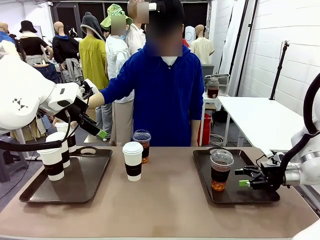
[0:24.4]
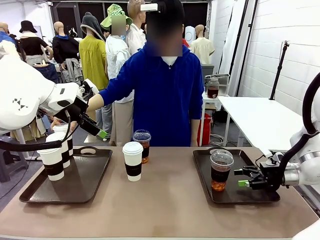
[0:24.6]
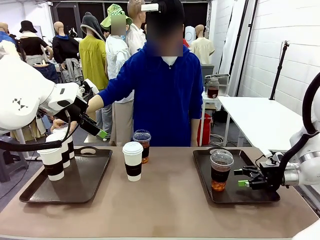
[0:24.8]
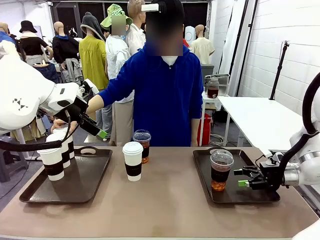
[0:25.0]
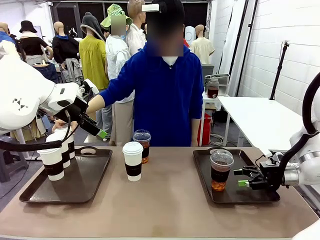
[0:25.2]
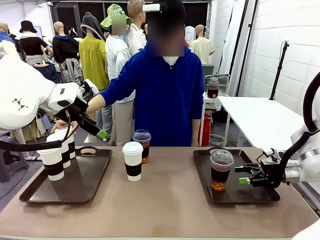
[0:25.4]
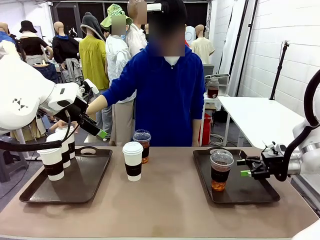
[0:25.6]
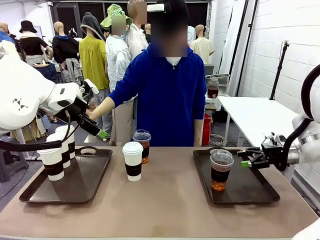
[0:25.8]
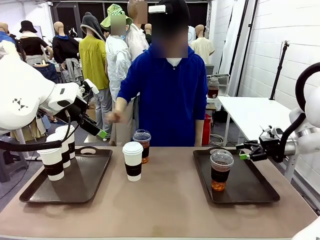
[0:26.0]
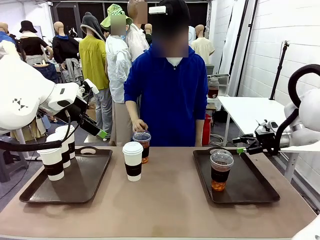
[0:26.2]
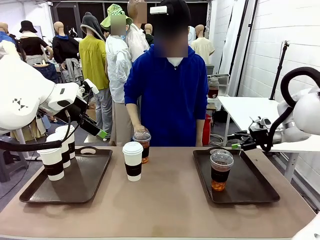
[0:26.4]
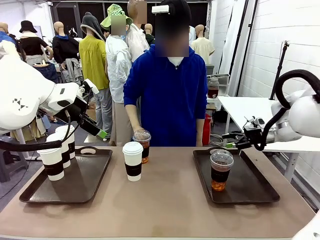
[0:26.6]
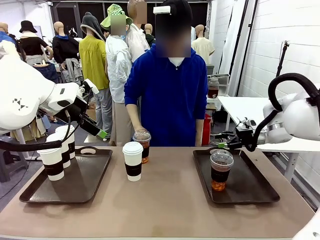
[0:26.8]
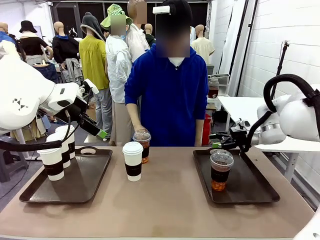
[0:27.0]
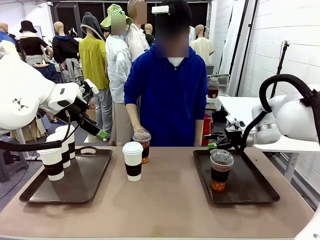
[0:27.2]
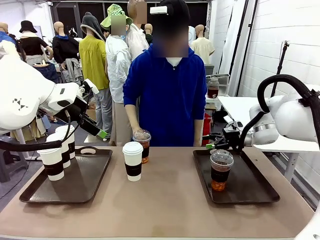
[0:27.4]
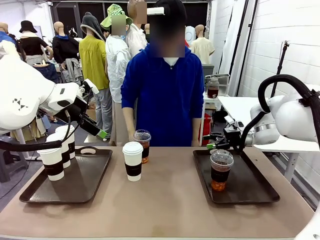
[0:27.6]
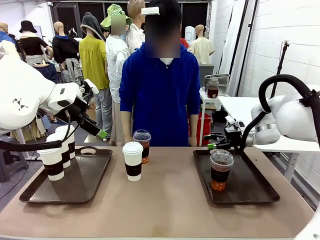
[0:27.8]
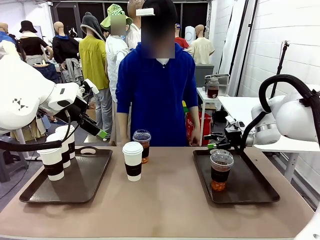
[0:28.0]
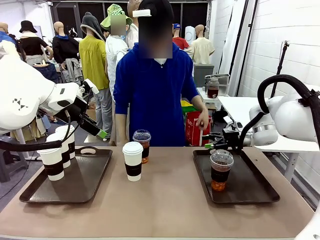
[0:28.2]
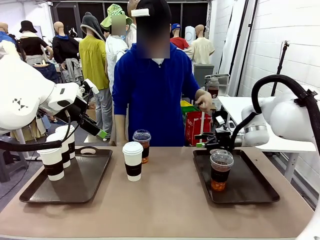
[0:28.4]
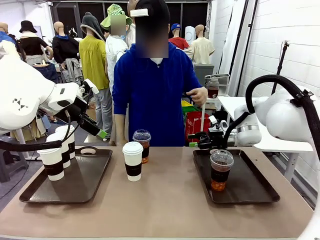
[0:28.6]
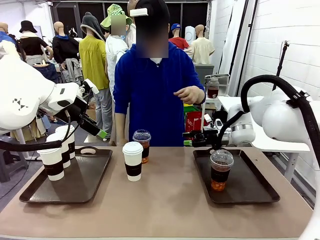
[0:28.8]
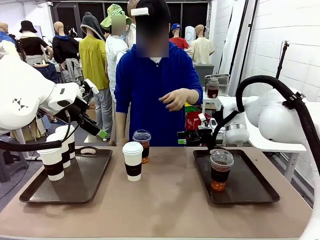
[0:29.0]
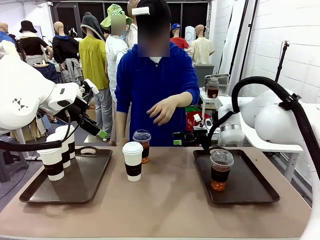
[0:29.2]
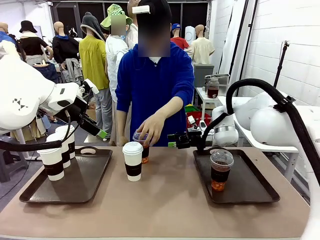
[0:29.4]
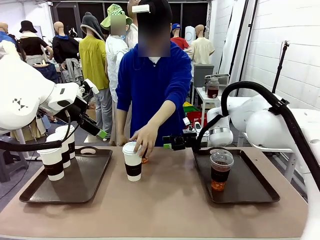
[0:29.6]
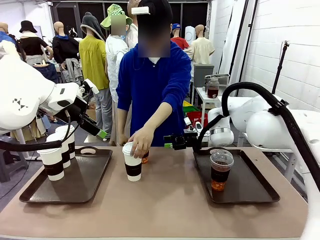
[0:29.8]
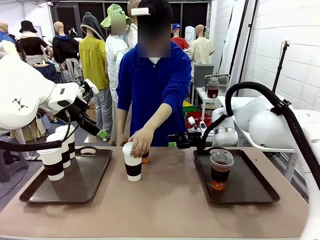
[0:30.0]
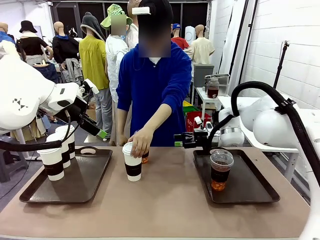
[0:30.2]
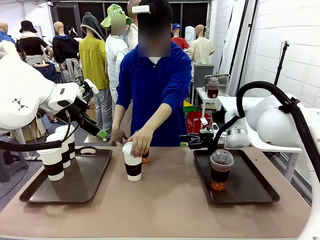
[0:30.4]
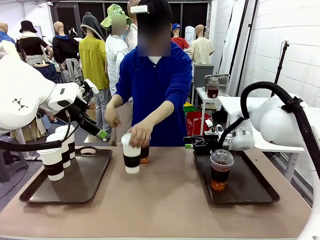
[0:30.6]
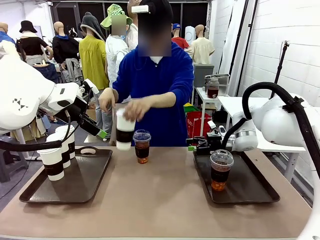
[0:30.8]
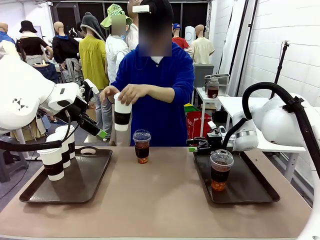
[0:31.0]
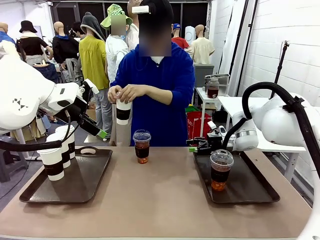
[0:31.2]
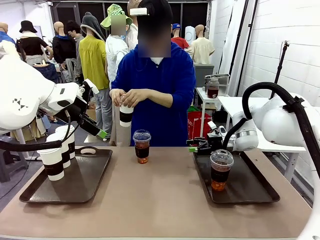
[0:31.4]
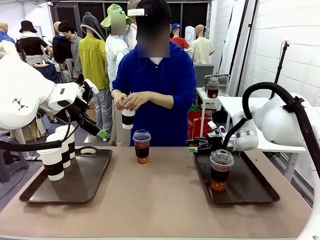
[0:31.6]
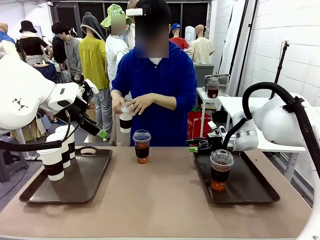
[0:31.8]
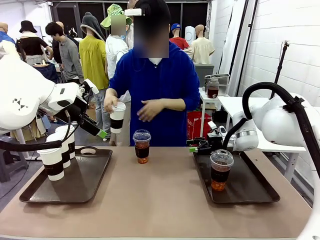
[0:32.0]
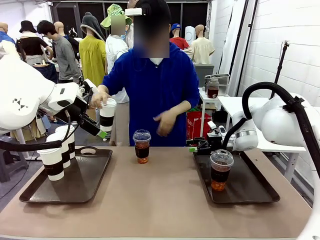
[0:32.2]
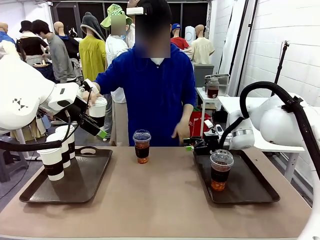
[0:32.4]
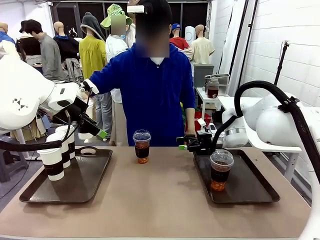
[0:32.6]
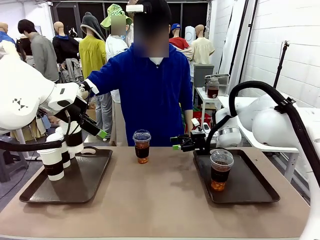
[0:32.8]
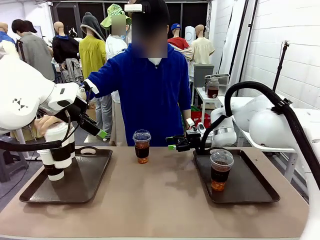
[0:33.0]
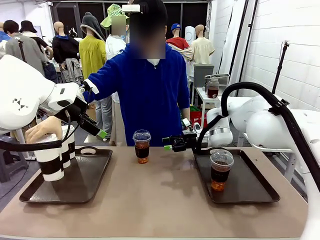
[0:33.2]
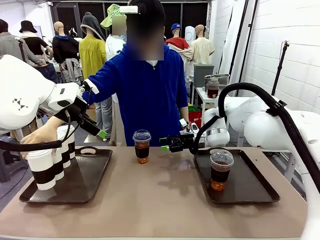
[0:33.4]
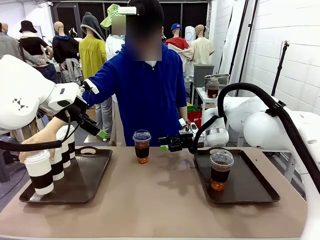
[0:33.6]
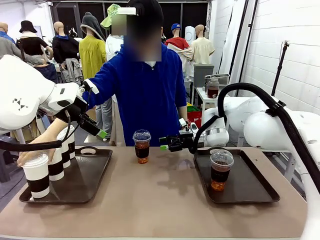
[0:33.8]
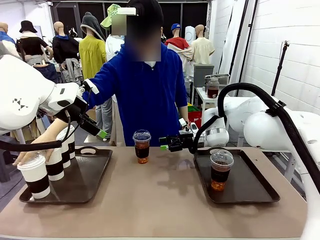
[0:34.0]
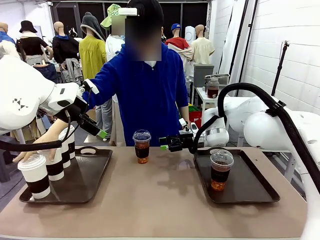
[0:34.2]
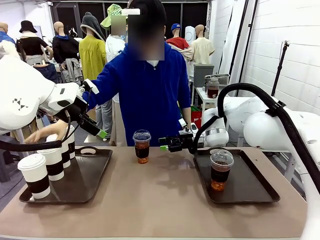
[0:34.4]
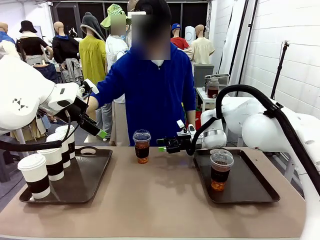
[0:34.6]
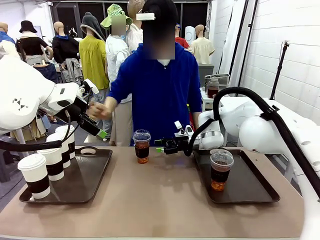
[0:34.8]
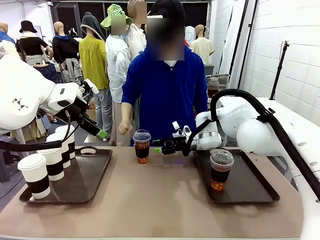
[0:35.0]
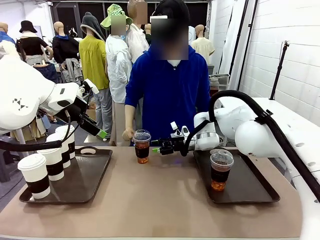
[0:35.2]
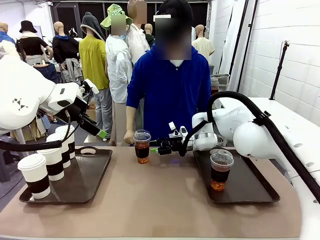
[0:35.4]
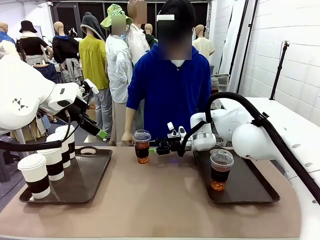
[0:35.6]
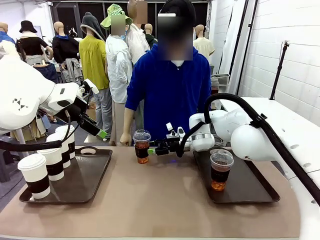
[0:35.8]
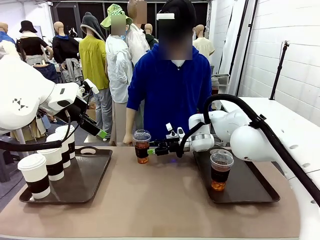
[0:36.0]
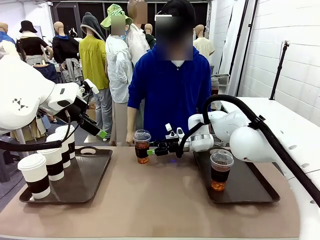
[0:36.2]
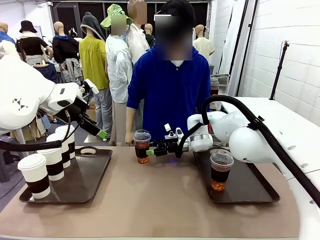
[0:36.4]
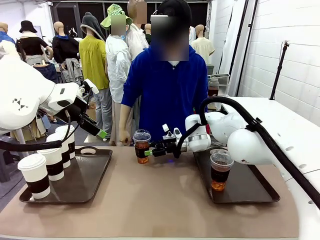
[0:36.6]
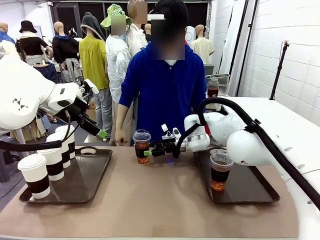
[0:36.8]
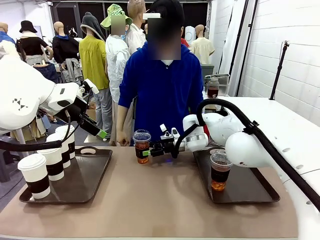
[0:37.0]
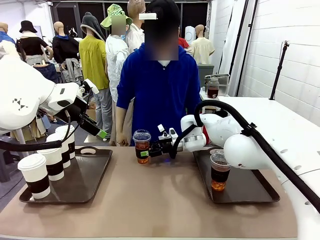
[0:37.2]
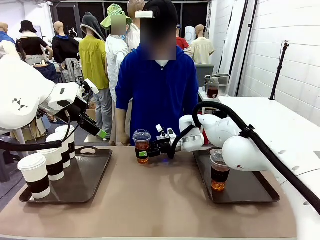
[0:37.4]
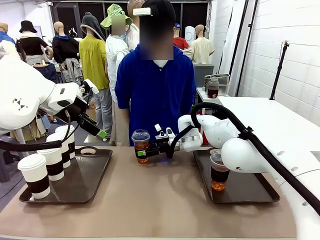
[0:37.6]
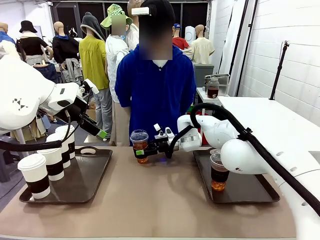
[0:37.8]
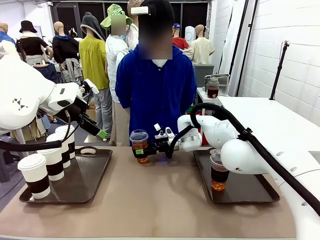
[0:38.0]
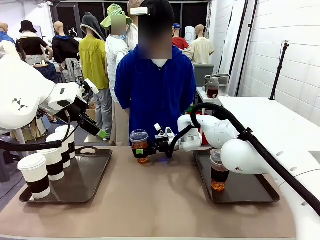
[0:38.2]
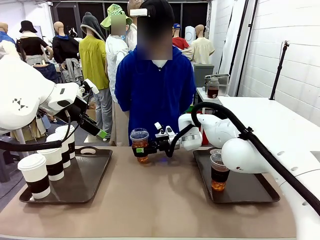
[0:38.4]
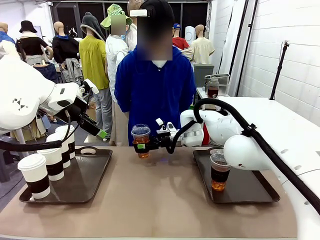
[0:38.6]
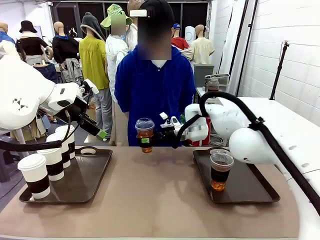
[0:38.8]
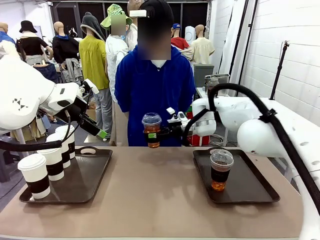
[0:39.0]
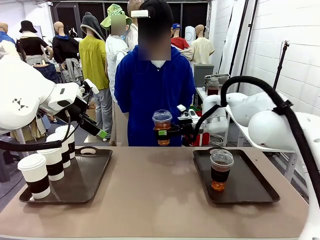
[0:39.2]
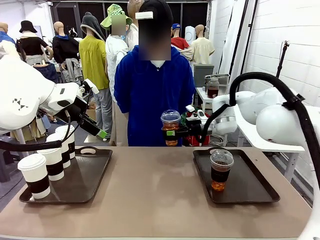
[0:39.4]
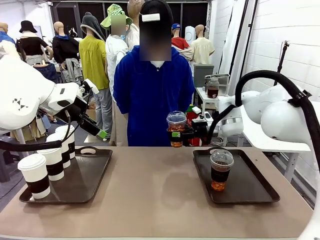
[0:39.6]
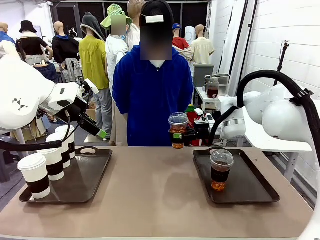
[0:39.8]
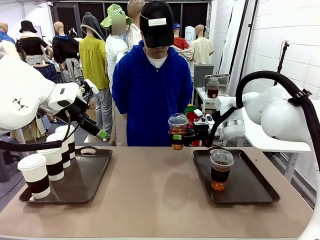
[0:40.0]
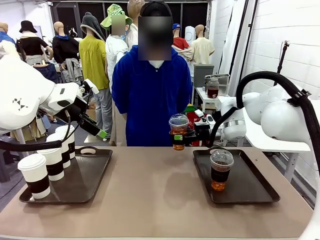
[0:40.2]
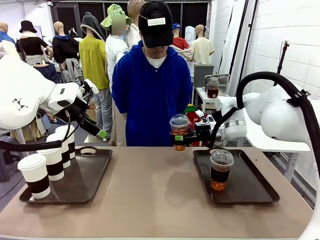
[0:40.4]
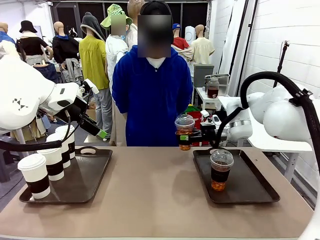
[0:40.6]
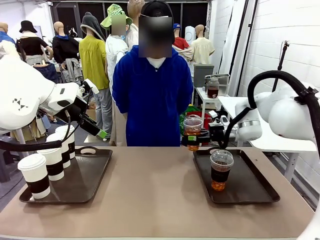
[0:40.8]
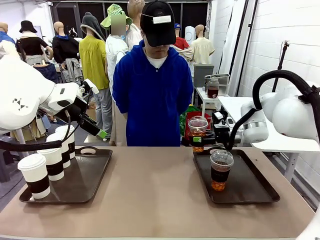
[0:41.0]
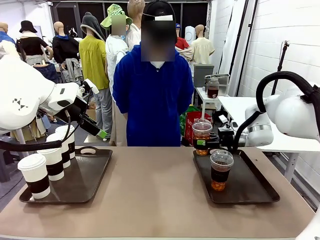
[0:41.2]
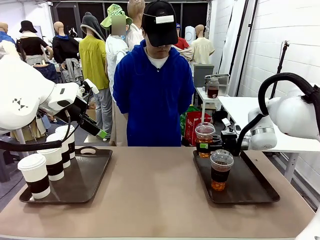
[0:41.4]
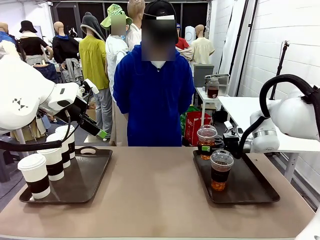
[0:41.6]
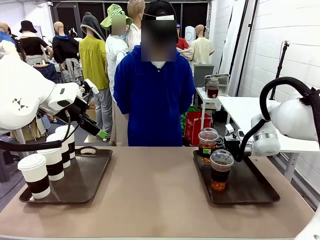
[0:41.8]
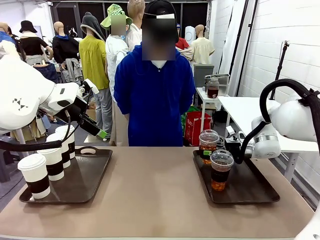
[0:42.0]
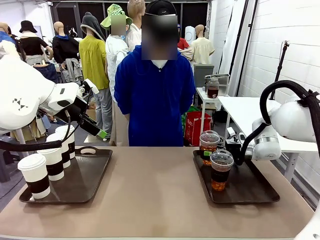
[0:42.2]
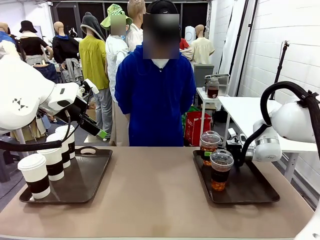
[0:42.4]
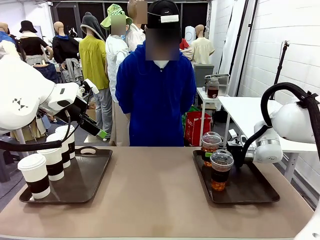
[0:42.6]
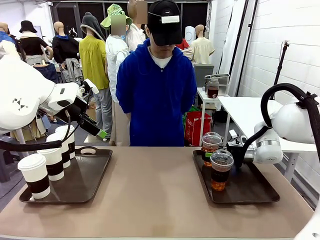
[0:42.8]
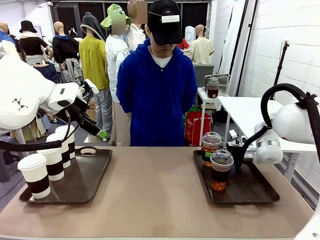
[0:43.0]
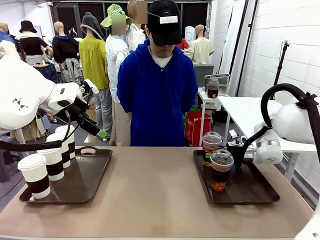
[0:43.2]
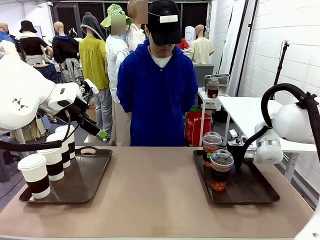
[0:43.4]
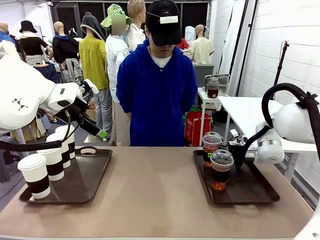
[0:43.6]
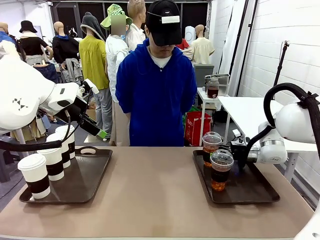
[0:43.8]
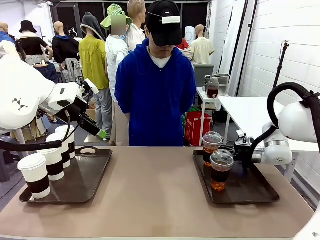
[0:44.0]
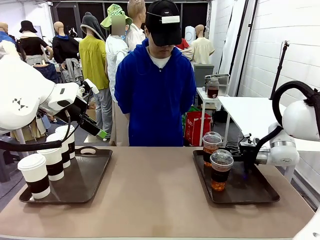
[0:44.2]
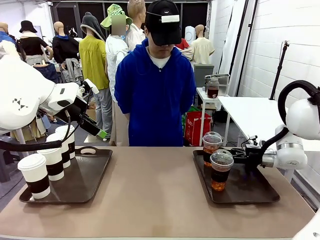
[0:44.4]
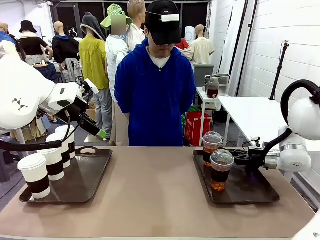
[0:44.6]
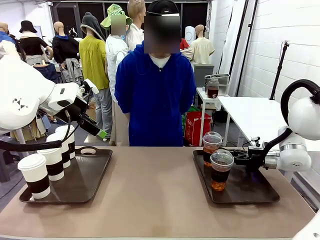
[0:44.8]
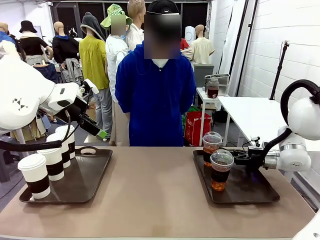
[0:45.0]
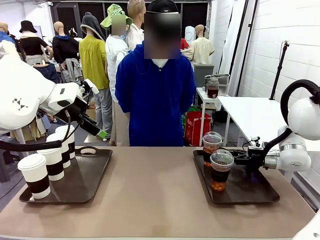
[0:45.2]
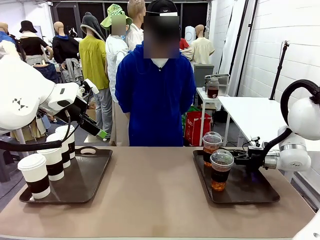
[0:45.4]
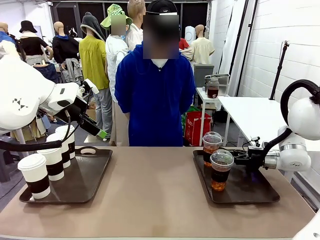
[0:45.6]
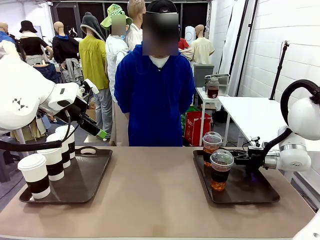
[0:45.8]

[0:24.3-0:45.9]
Task: Distribute the coffee onto the tray.
Robot: Pick up another iced Americano from the middle of the table and place it on the right Handle tray.
Person: Pick up a cup of hot Americano from the middle of the table and place it on the right tray.
